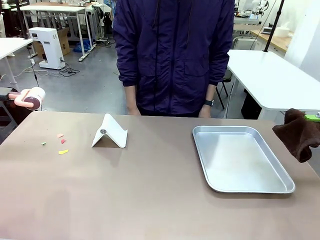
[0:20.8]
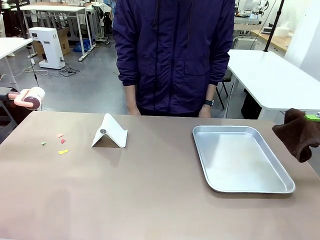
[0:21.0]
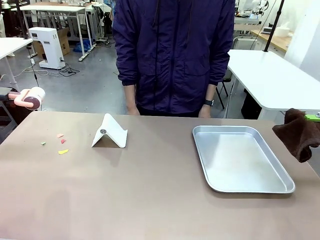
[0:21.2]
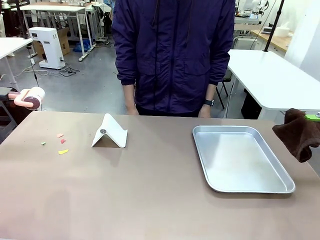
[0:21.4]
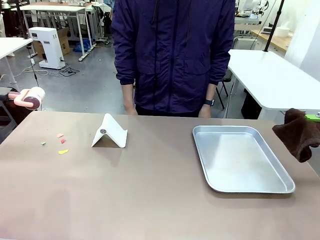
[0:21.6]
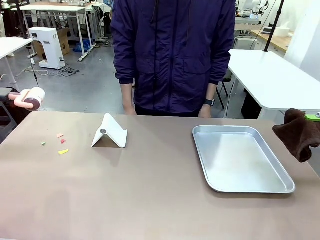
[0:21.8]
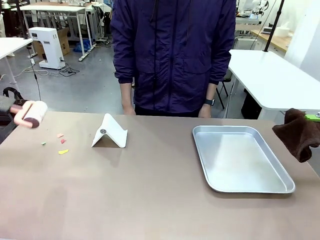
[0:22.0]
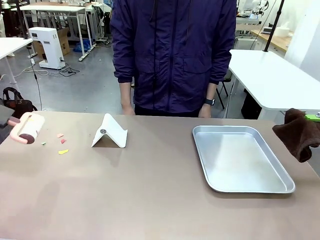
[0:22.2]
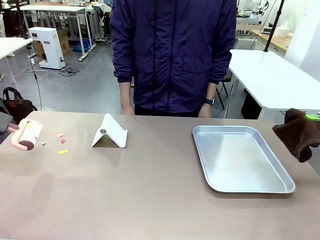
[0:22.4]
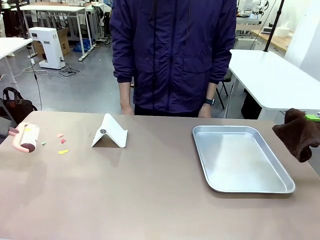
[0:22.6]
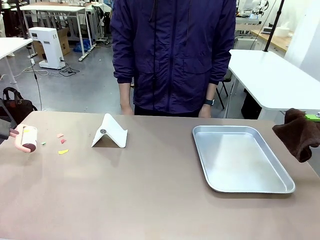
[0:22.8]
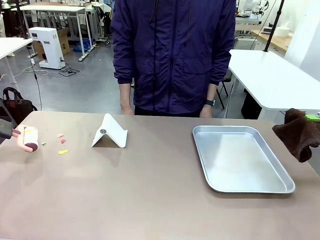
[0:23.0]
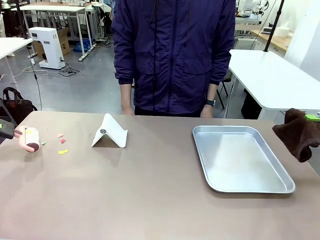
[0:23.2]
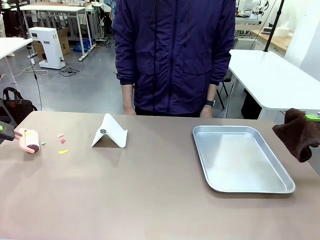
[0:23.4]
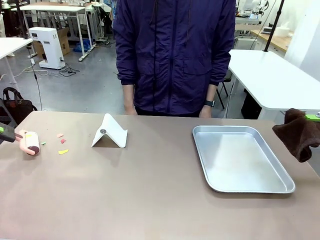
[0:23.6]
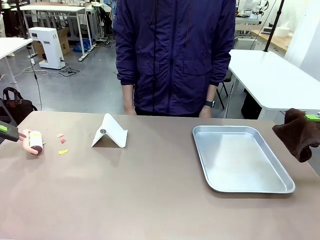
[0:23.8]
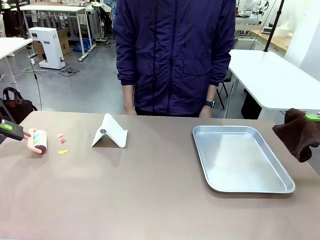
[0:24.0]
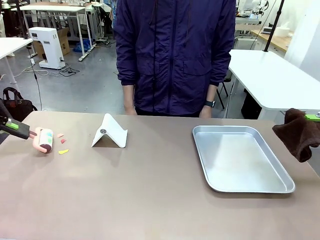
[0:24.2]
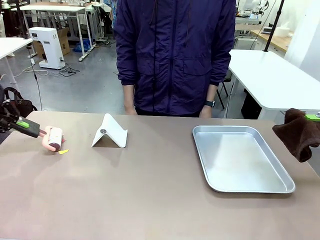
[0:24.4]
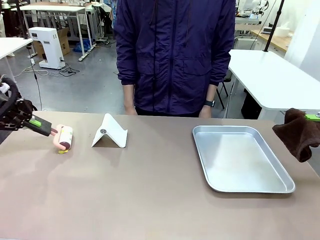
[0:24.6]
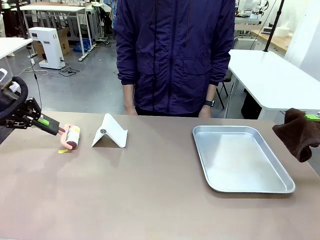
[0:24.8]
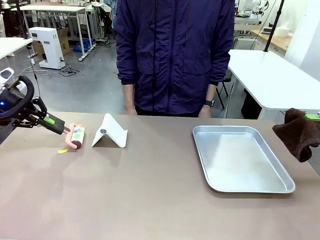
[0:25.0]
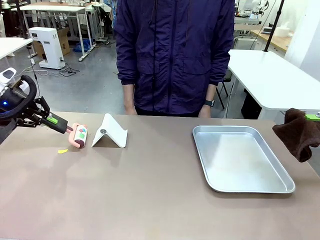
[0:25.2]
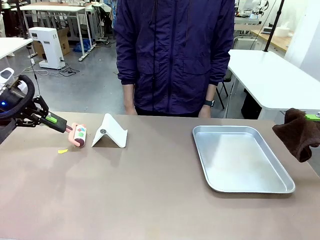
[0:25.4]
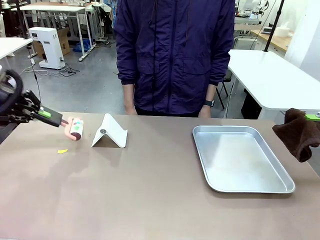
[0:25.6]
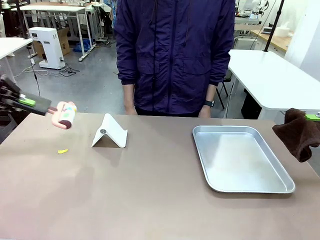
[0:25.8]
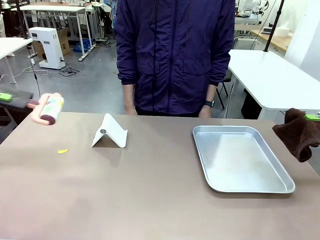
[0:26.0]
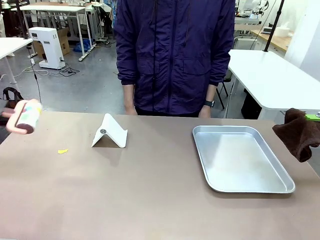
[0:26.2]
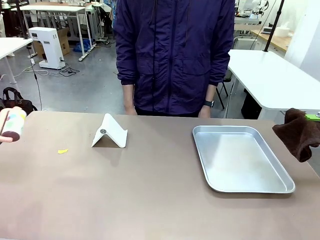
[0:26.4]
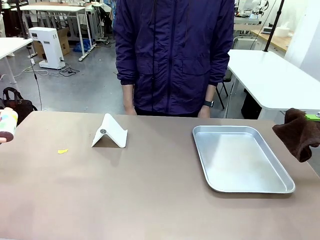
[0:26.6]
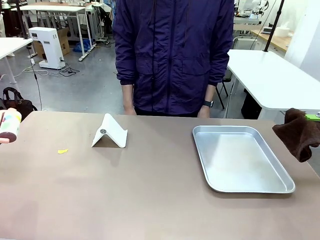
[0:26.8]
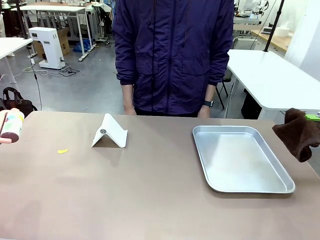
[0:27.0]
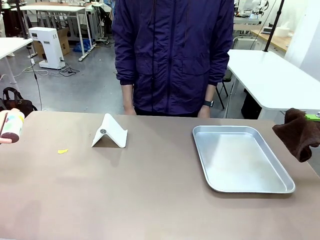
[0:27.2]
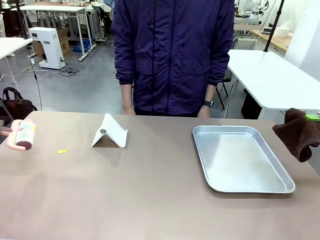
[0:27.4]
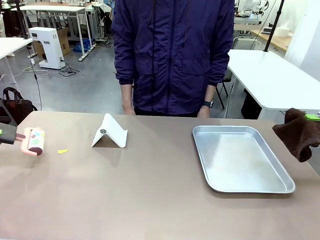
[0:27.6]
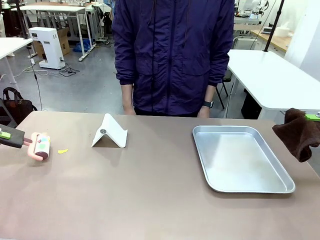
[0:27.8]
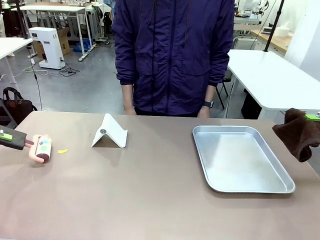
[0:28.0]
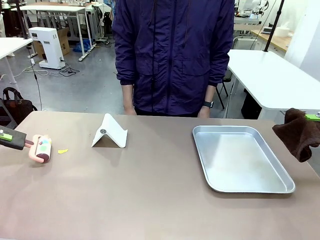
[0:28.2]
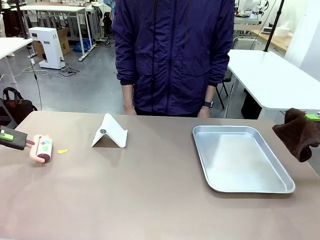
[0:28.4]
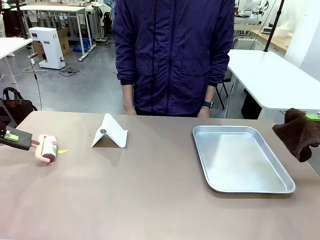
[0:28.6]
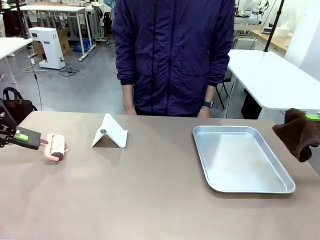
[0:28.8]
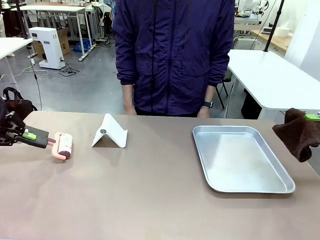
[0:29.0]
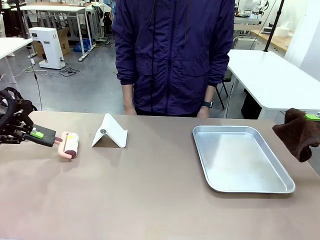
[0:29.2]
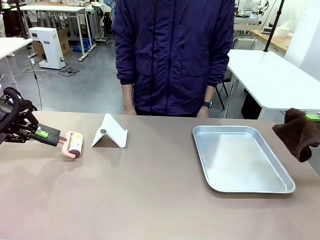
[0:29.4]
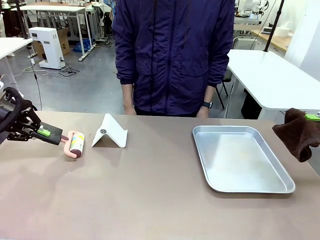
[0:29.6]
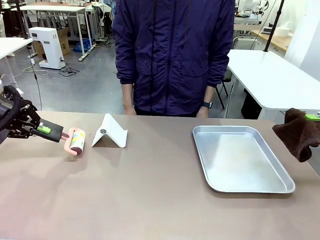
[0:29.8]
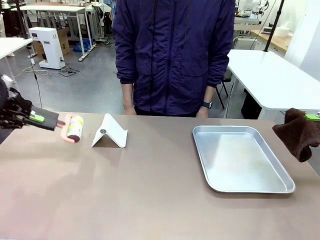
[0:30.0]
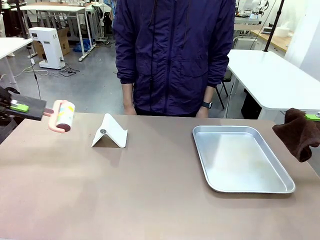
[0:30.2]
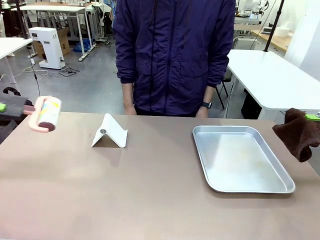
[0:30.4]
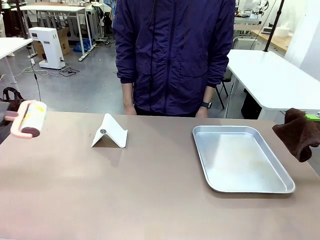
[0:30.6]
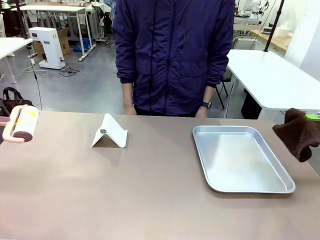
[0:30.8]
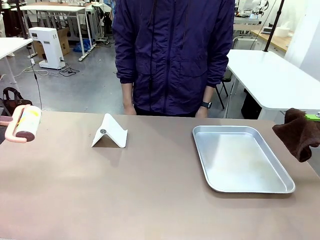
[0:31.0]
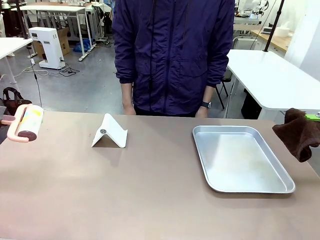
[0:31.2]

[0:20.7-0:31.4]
Task: Clean the surface of the table.
Robot: Clean the area not pointed to by the person.

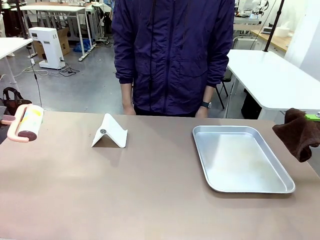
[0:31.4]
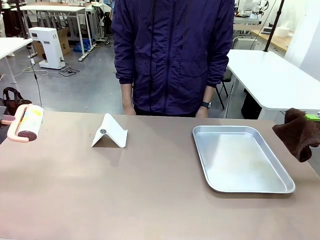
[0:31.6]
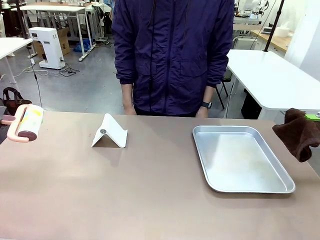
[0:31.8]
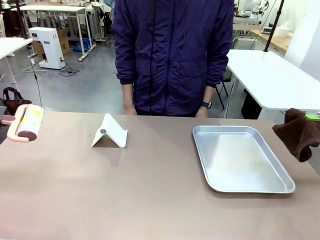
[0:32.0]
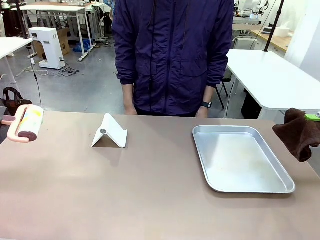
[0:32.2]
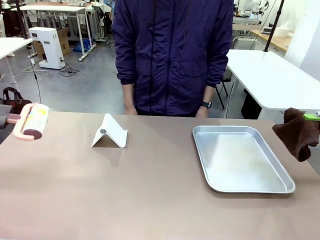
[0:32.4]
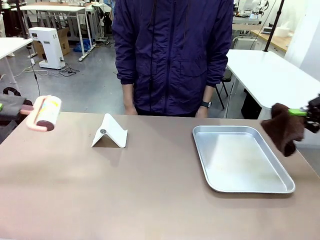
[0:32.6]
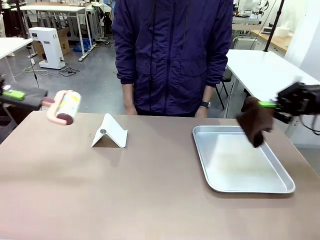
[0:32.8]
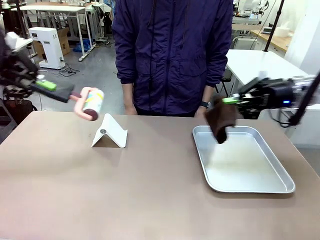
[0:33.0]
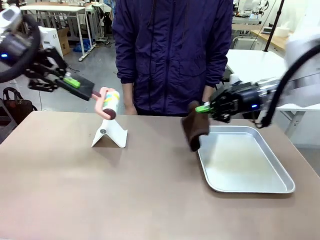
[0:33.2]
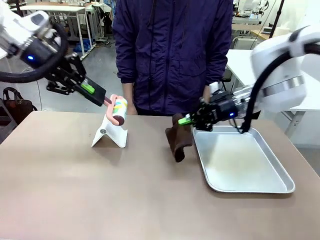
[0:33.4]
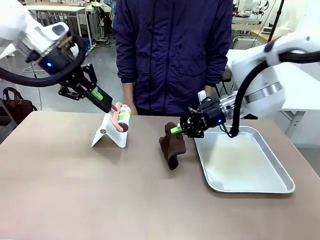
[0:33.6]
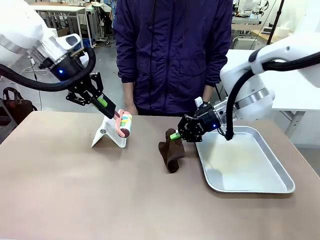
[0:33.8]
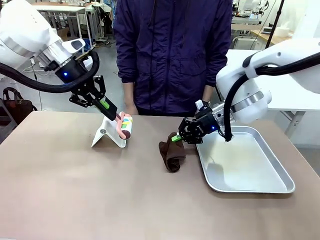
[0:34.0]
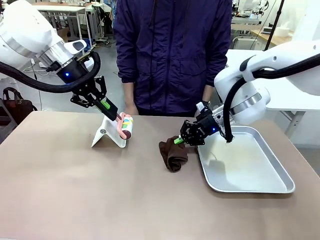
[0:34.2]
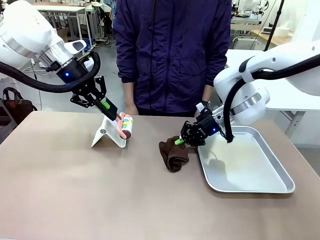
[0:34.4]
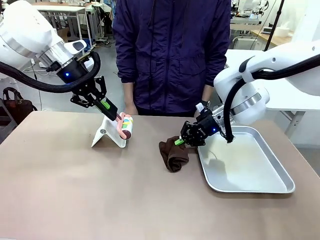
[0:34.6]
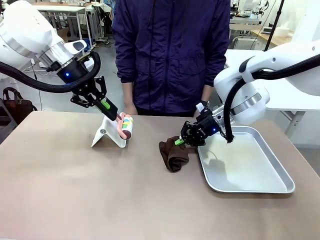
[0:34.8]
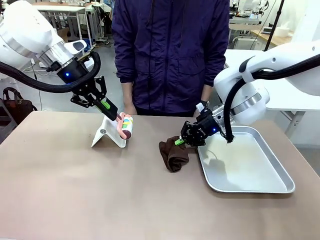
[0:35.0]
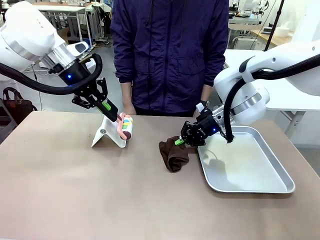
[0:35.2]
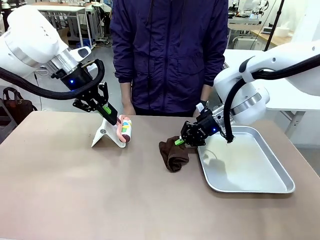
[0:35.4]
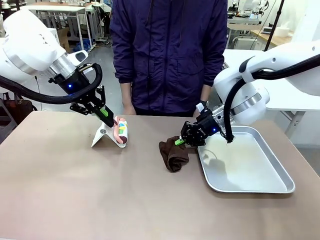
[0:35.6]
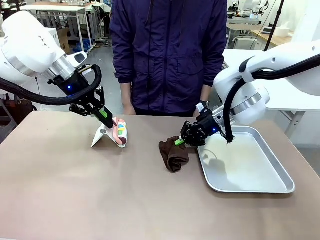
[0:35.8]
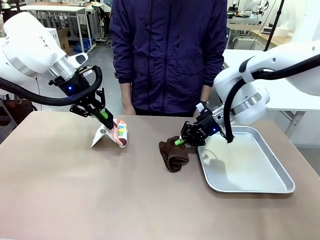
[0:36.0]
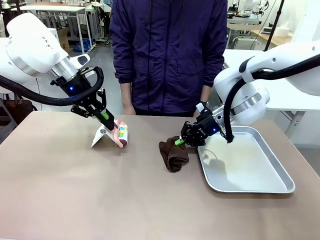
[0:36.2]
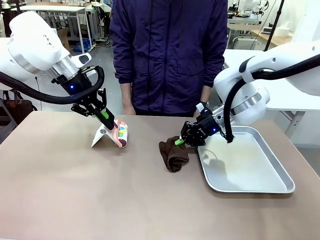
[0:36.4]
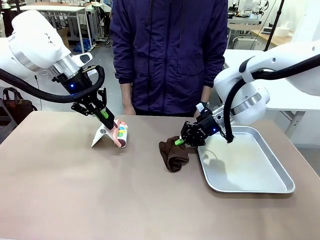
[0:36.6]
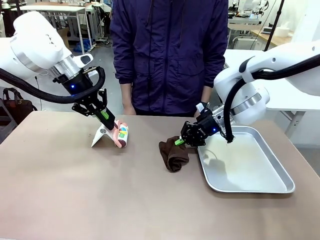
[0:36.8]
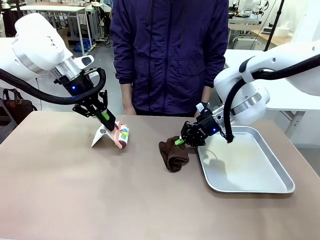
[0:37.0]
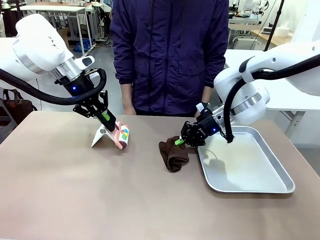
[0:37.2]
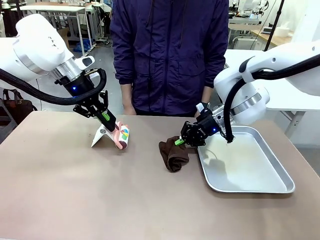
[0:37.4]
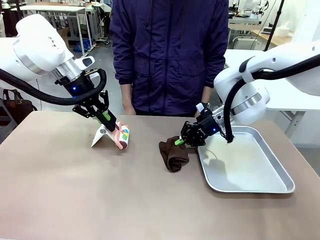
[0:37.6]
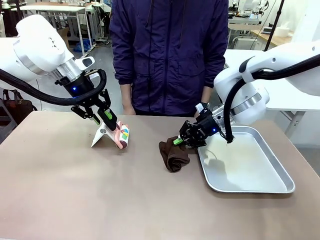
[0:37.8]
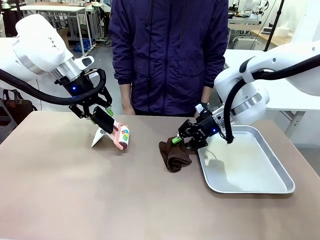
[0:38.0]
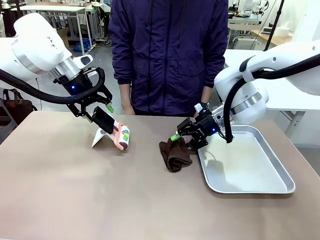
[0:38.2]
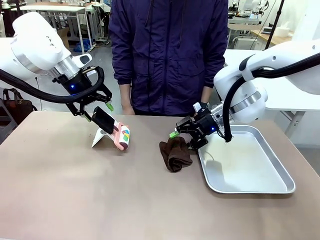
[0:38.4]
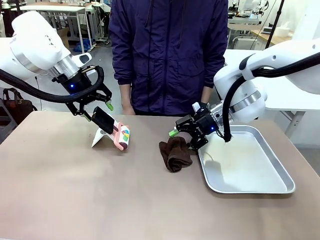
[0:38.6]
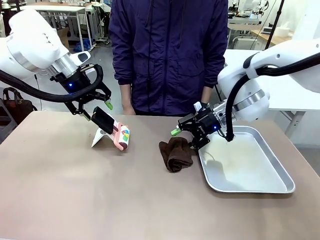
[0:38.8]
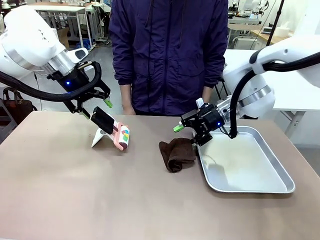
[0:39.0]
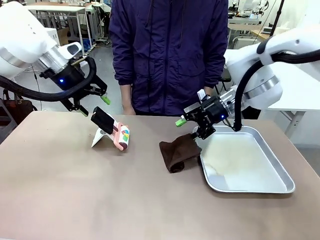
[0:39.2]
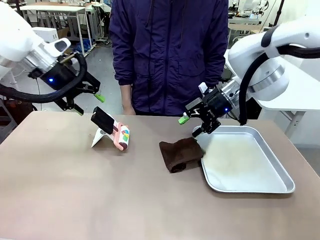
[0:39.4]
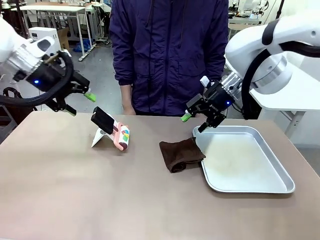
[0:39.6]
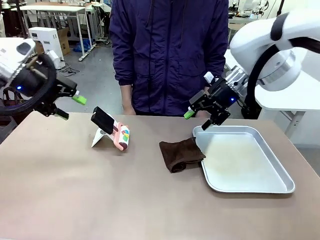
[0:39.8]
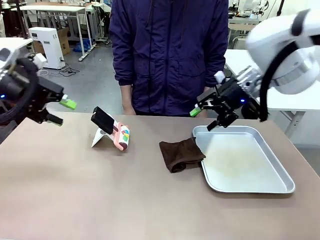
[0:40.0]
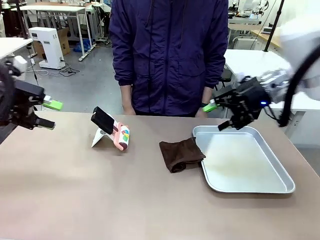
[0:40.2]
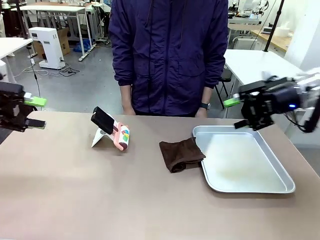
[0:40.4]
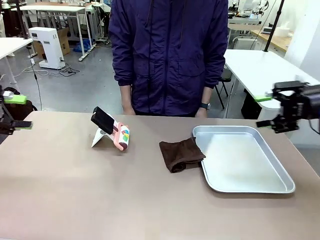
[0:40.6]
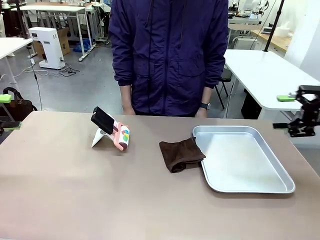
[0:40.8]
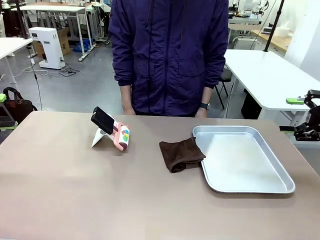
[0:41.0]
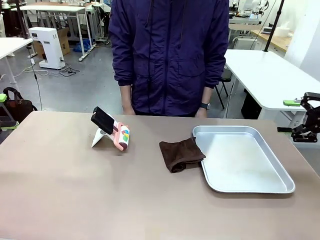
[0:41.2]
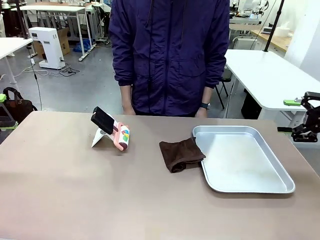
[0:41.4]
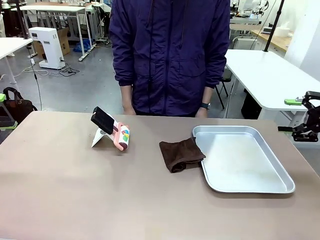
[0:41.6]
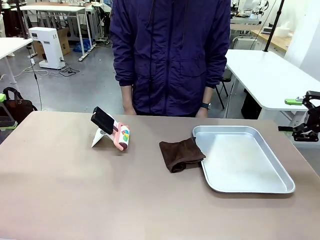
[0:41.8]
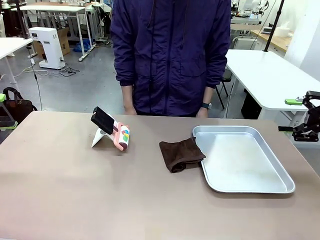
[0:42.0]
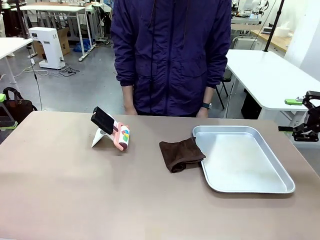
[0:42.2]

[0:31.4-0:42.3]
Robot: Return the Lint Roller and towel to their original positions.
